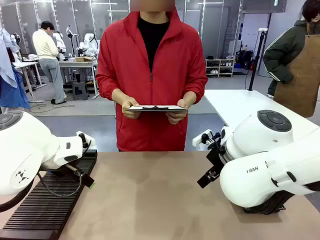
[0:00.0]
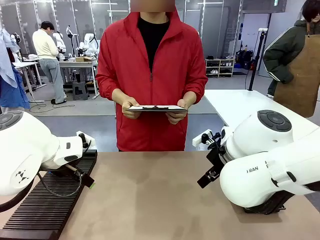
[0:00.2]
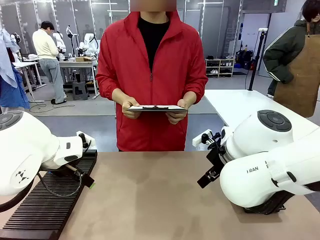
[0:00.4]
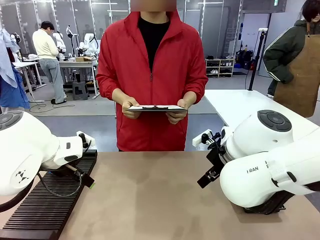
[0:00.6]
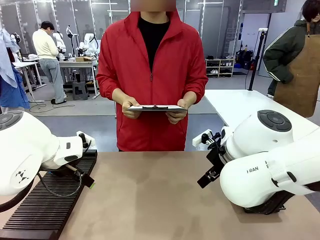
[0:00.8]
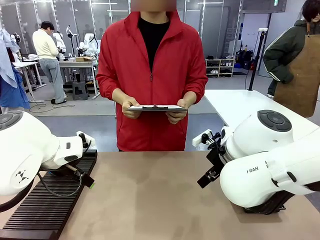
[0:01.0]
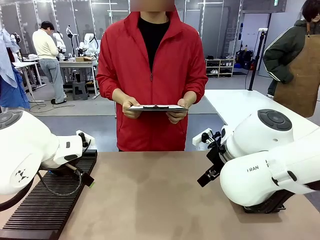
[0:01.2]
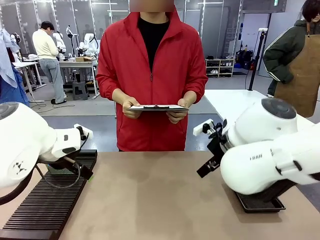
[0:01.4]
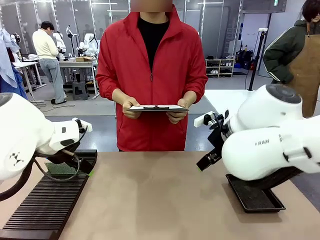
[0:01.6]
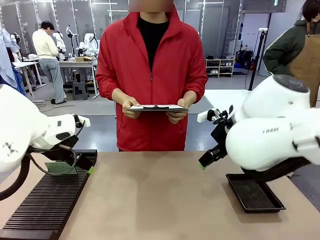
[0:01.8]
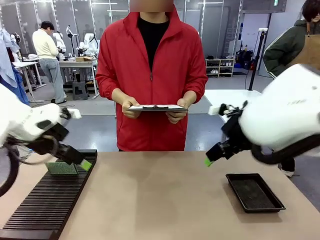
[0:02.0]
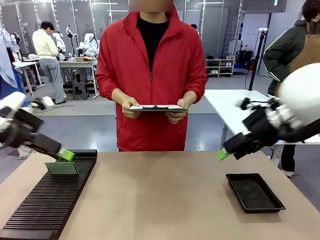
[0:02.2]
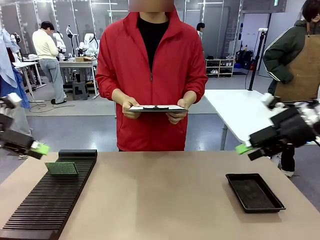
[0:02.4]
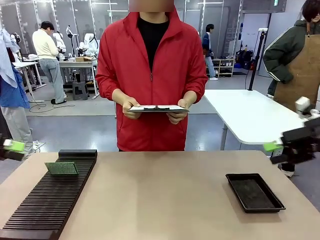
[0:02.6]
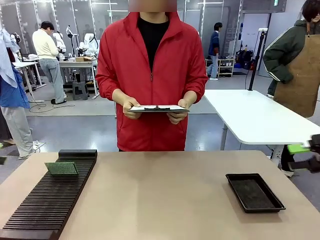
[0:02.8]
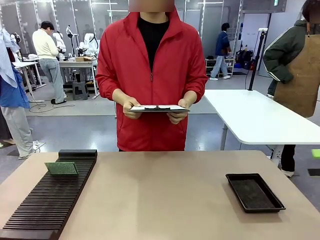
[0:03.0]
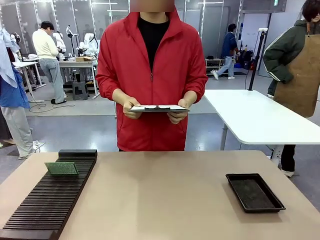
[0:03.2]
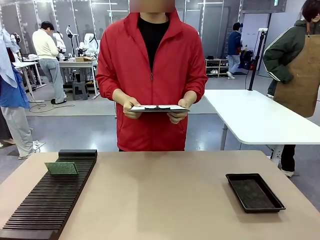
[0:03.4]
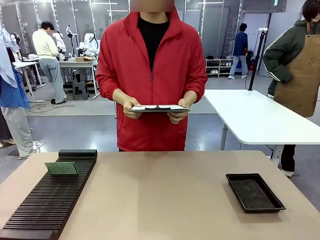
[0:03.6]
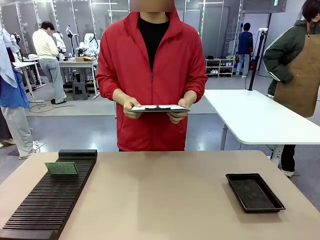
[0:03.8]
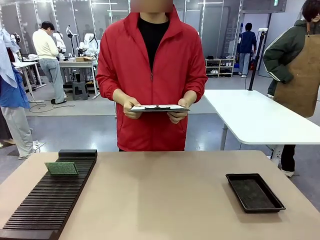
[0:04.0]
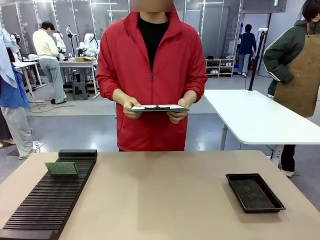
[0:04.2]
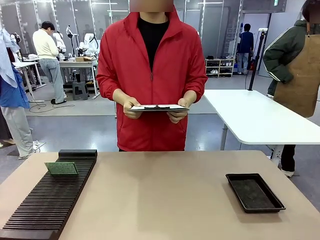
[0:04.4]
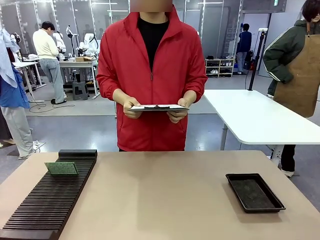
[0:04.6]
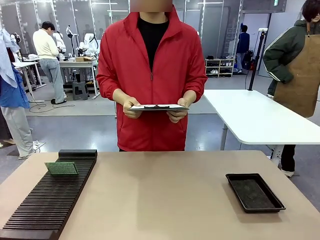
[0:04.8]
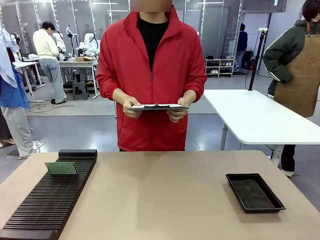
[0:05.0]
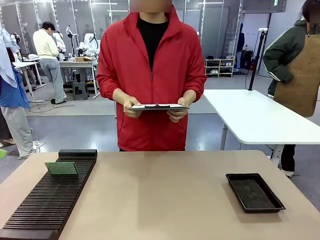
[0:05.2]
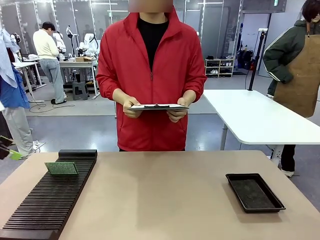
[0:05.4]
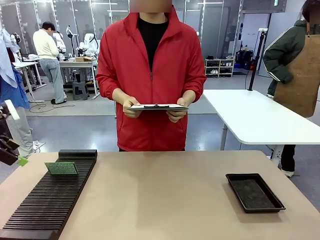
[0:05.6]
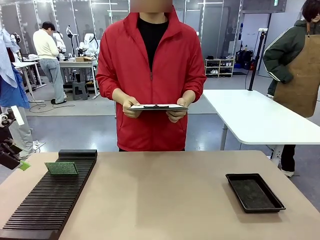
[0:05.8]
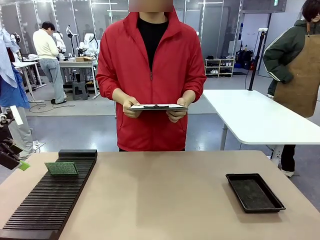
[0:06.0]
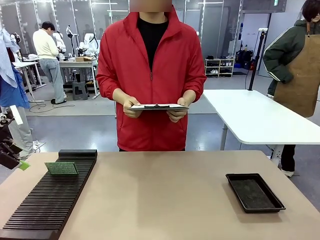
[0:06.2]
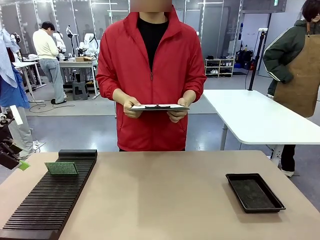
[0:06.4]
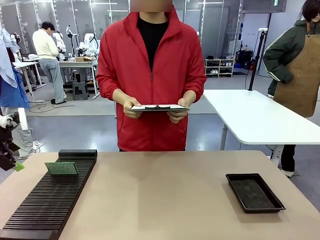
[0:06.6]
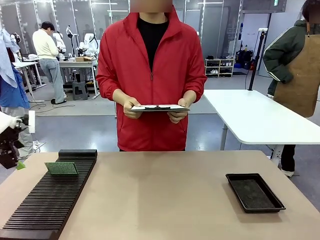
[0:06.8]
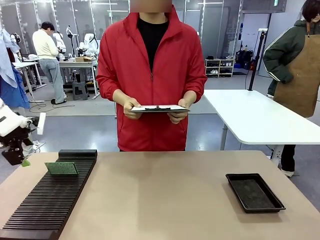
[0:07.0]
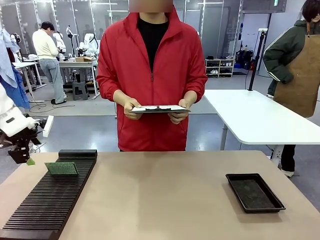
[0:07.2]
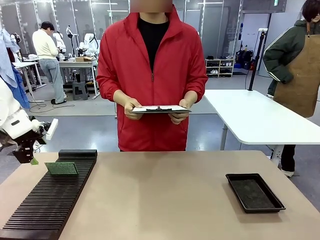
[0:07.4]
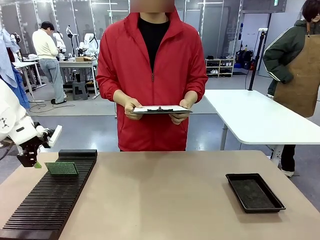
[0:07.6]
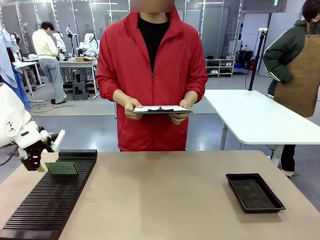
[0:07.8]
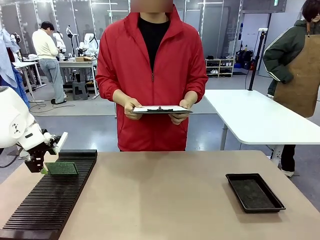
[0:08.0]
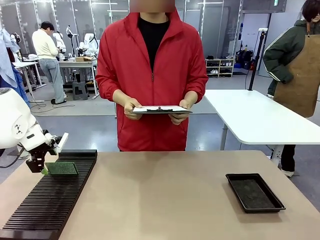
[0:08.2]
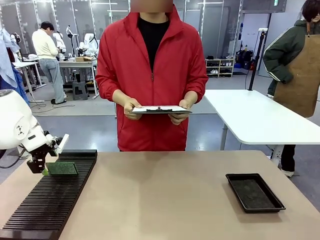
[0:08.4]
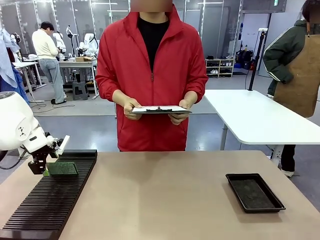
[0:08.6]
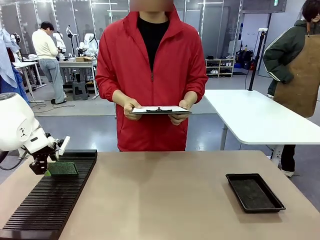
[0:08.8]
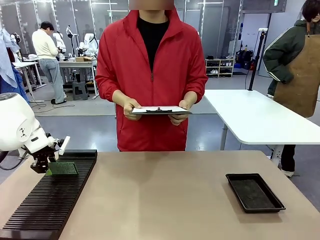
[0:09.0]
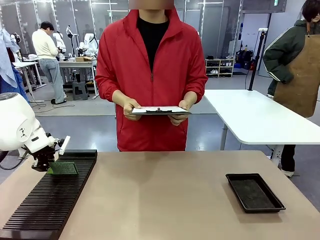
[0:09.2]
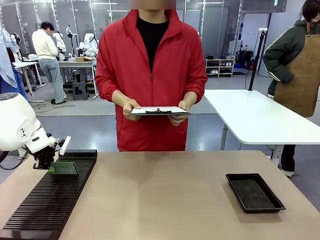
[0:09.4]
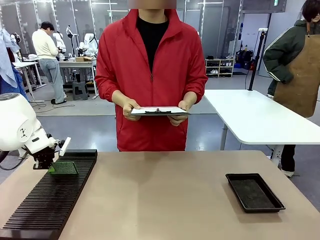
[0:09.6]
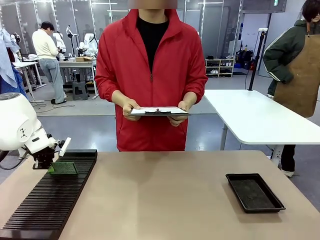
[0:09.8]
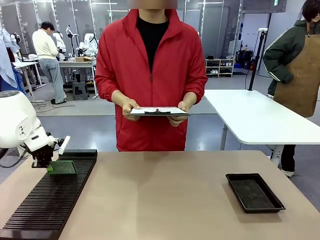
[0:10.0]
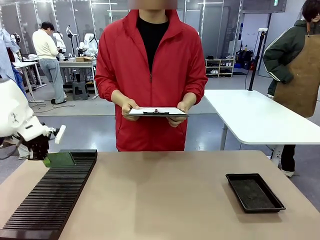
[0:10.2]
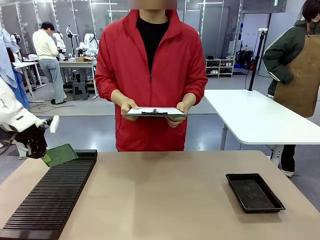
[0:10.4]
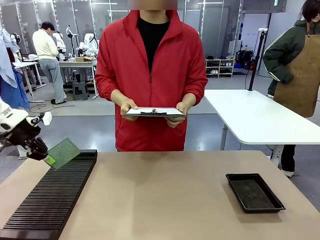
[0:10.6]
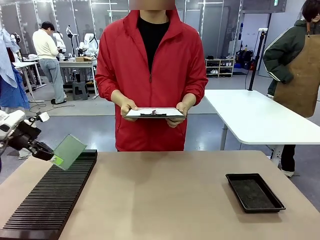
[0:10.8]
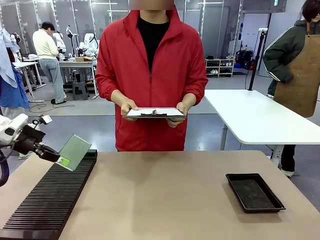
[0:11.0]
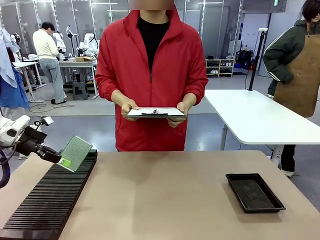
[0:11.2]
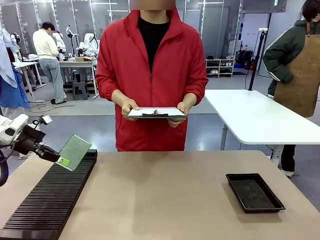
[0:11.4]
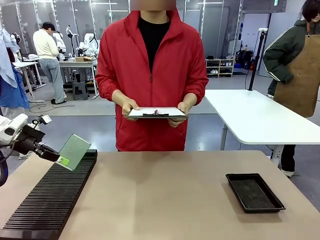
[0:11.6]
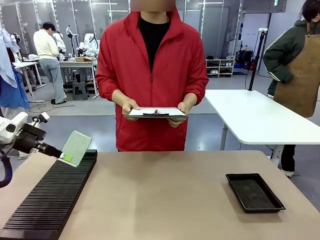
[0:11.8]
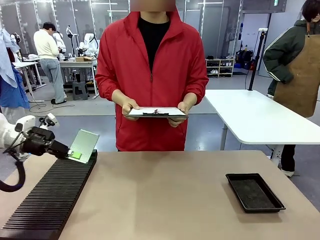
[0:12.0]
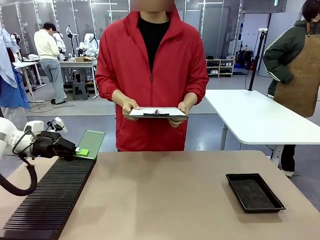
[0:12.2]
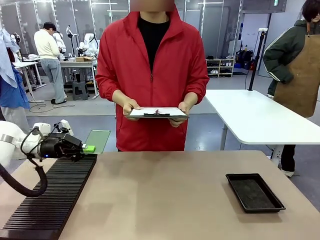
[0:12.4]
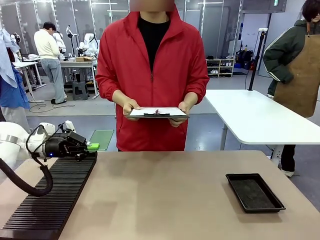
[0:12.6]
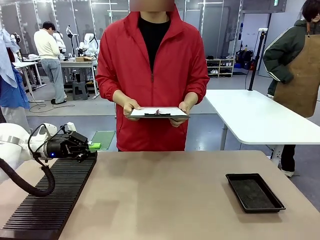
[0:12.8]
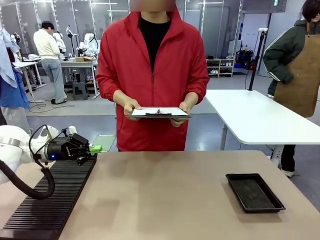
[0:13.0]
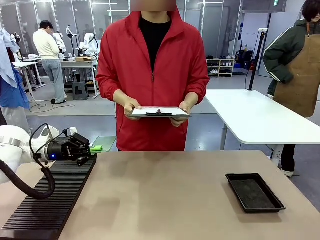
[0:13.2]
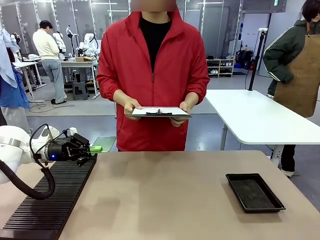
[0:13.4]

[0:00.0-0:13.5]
Task: Inspect the PCB.
Robot: Pick up the Blank PCB and present it to the human.
Person: Pick up the PCB presented by the robot.

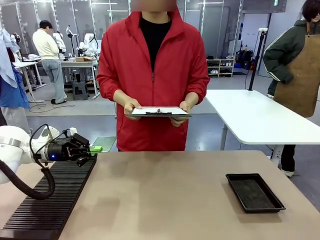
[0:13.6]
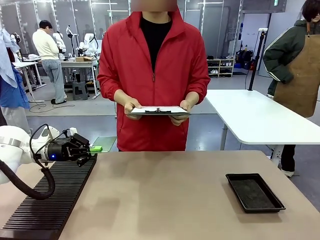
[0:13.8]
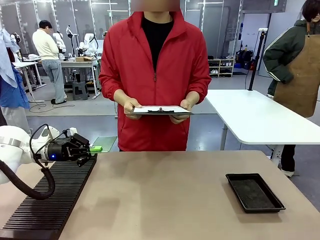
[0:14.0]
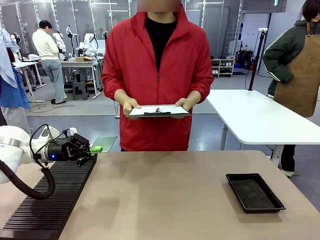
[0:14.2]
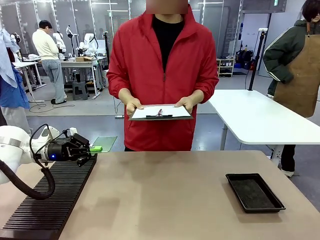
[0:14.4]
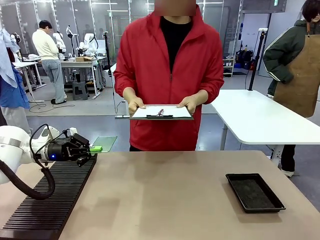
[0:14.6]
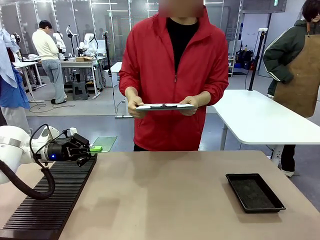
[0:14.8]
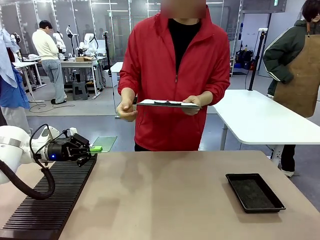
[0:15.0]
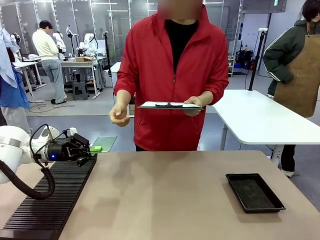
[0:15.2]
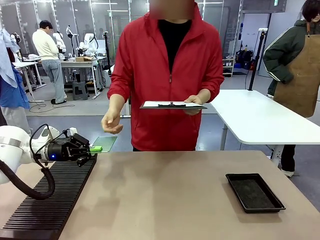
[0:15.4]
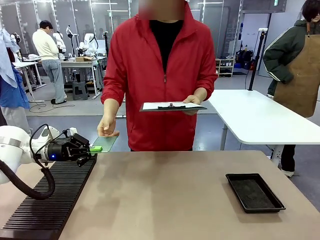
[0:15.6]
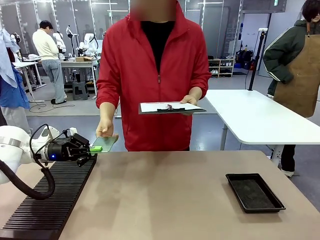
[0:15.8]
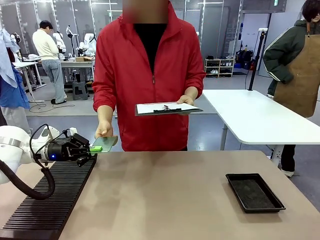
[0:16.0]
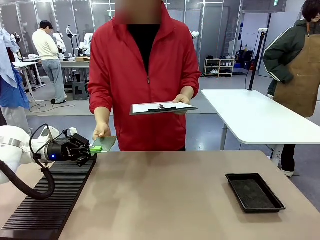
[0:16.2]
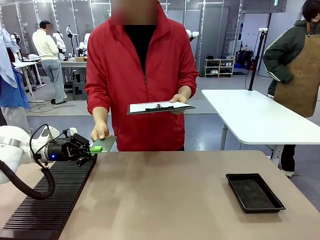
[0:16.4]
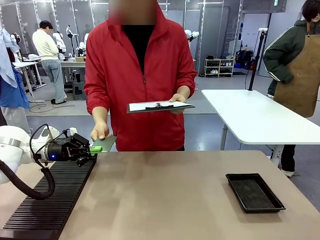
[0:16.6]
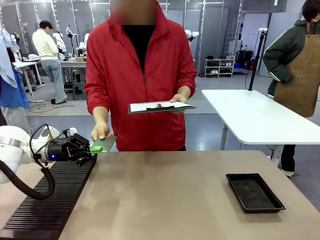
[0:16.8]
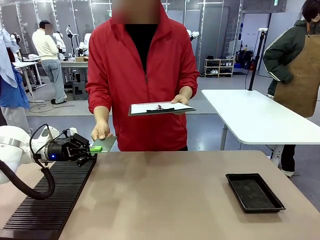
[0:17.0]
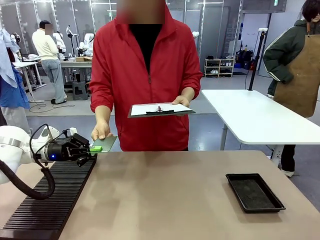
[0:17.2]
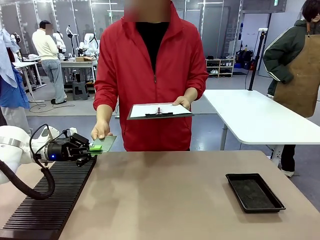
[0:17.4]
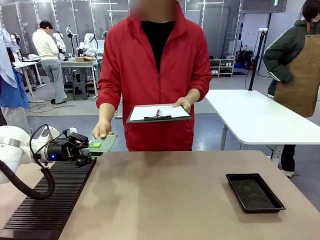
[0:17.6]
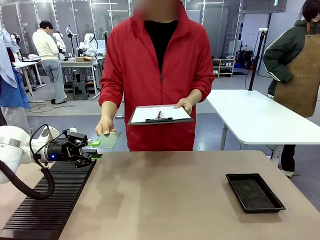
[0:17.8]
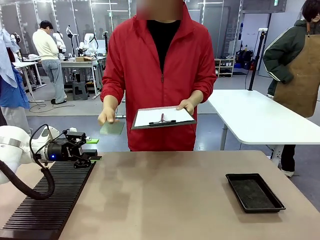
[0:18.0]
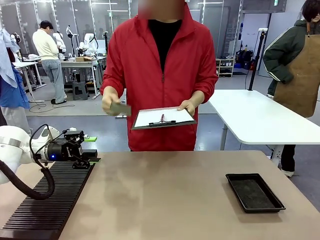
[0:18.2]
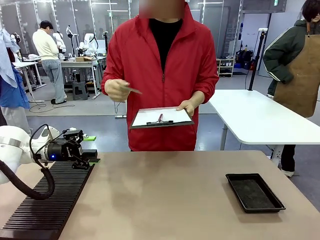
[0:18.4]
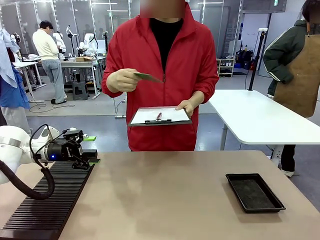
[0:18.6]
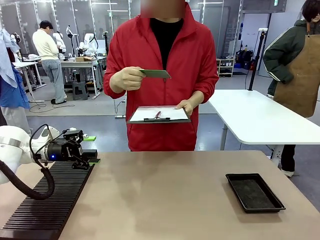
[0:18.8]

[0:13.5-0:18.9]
Robot: Release the Blank PCB you were holding.
